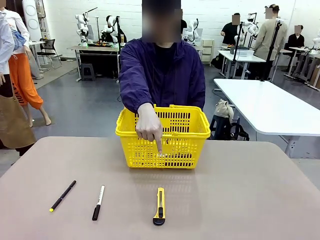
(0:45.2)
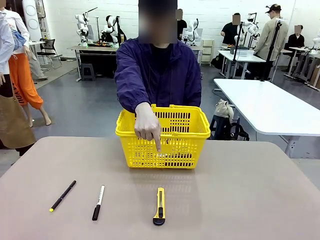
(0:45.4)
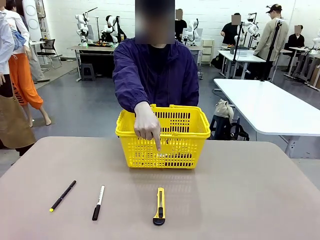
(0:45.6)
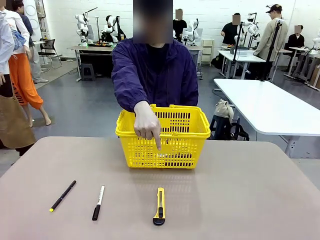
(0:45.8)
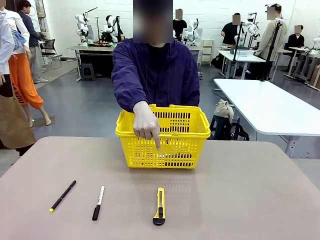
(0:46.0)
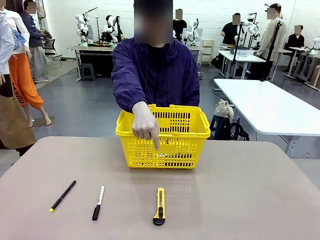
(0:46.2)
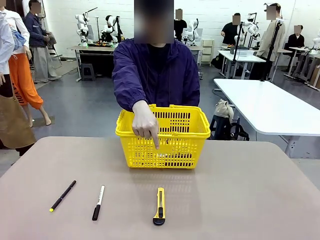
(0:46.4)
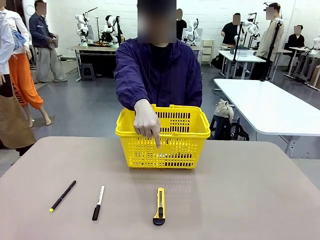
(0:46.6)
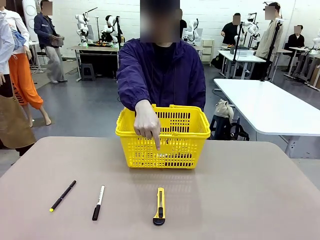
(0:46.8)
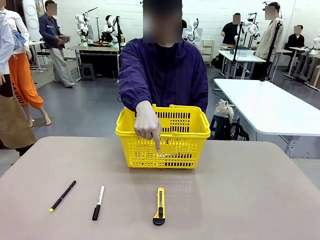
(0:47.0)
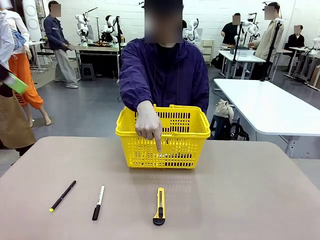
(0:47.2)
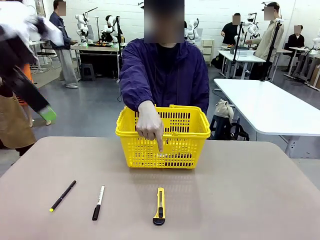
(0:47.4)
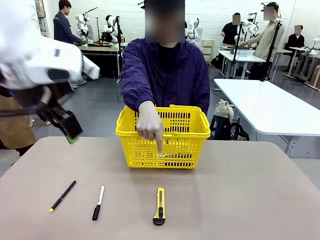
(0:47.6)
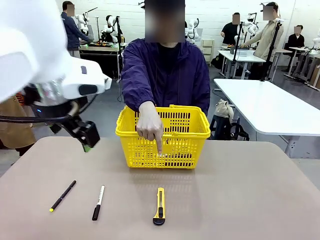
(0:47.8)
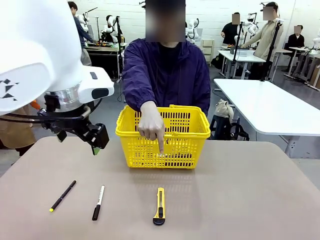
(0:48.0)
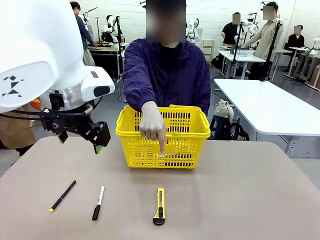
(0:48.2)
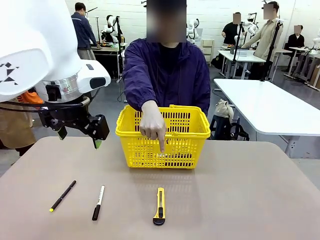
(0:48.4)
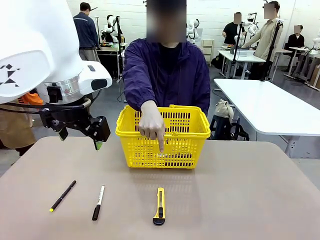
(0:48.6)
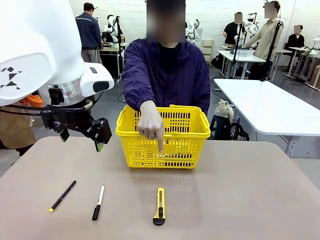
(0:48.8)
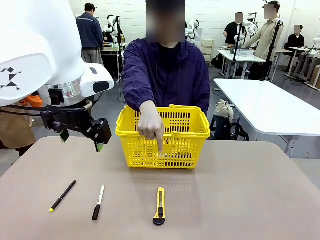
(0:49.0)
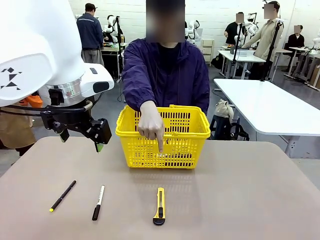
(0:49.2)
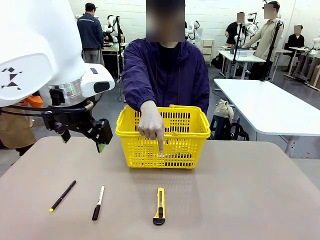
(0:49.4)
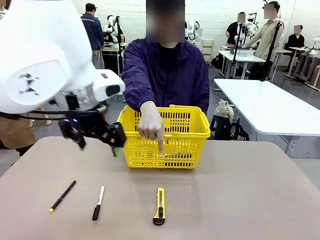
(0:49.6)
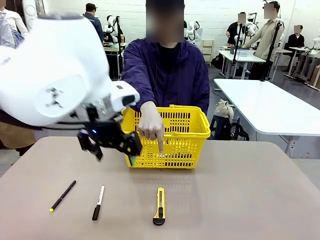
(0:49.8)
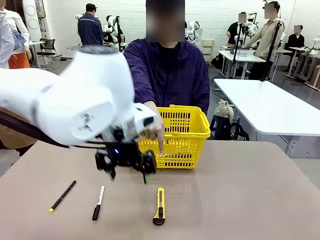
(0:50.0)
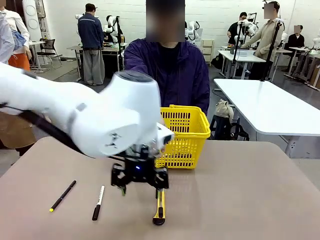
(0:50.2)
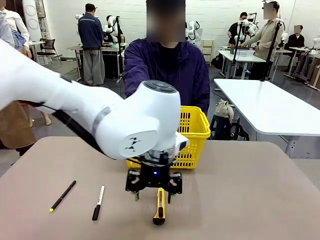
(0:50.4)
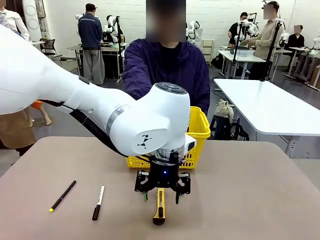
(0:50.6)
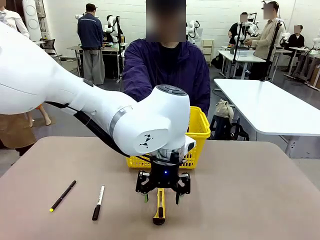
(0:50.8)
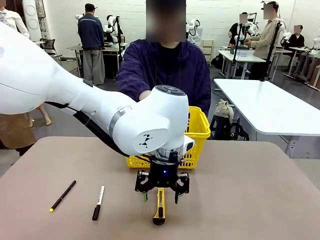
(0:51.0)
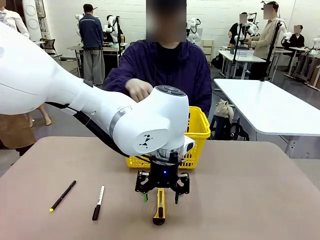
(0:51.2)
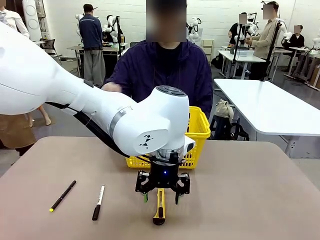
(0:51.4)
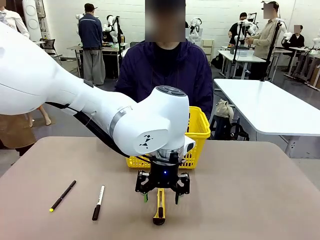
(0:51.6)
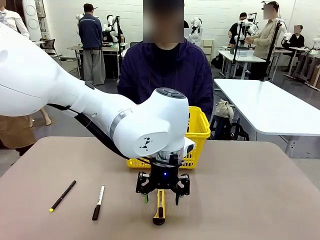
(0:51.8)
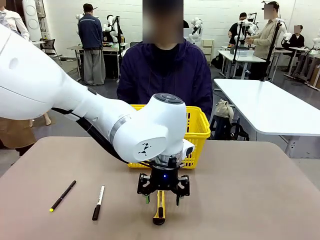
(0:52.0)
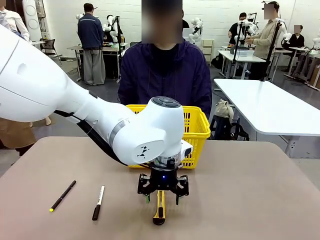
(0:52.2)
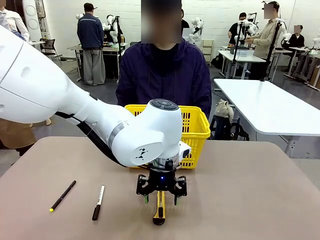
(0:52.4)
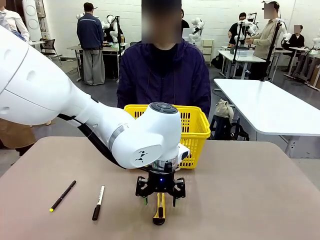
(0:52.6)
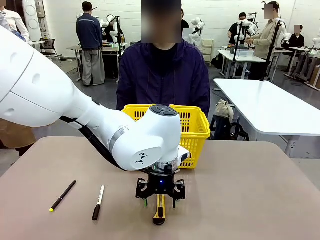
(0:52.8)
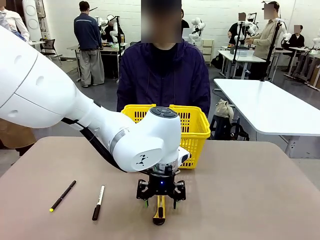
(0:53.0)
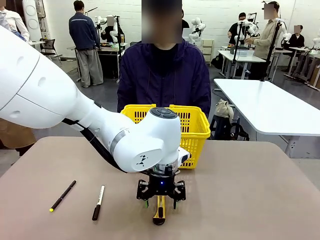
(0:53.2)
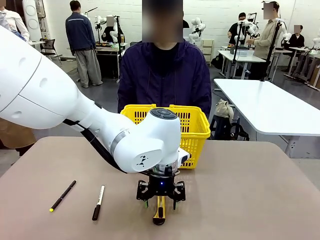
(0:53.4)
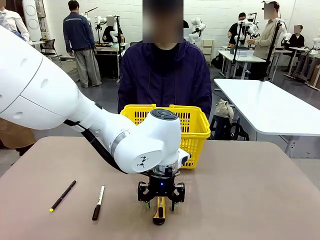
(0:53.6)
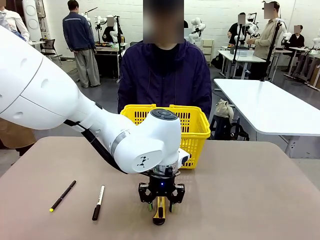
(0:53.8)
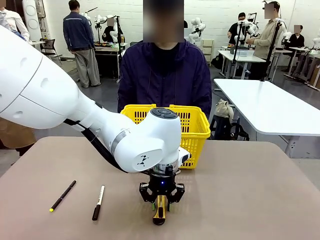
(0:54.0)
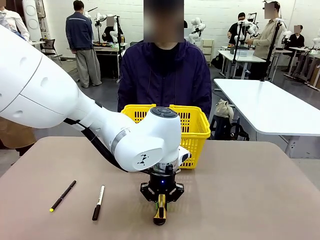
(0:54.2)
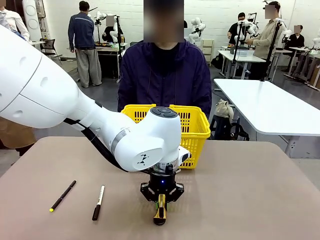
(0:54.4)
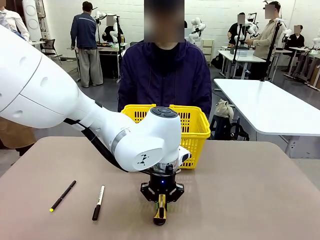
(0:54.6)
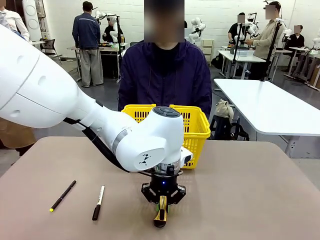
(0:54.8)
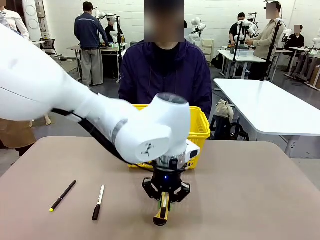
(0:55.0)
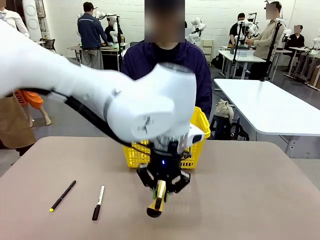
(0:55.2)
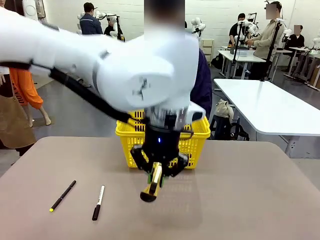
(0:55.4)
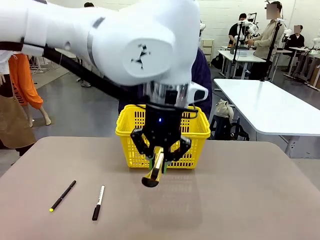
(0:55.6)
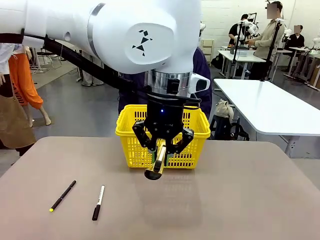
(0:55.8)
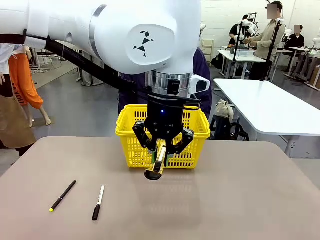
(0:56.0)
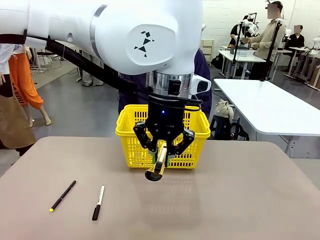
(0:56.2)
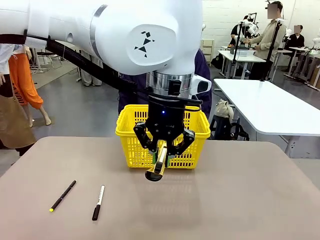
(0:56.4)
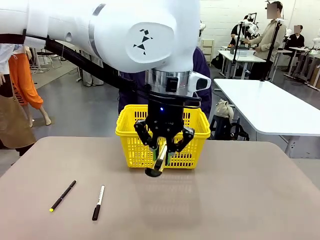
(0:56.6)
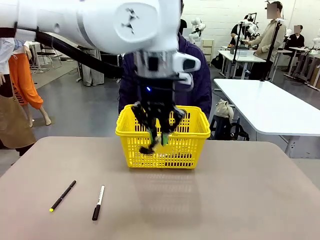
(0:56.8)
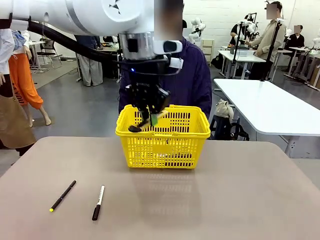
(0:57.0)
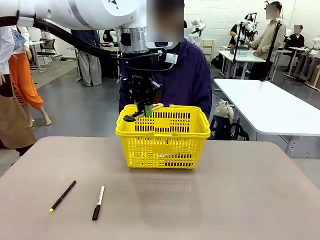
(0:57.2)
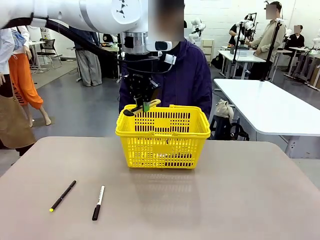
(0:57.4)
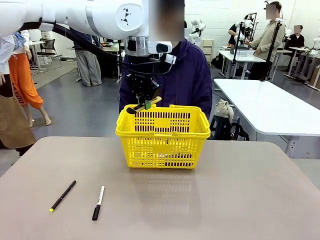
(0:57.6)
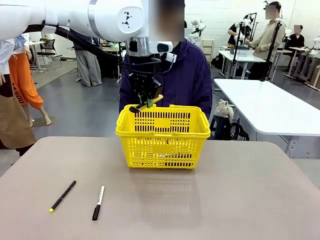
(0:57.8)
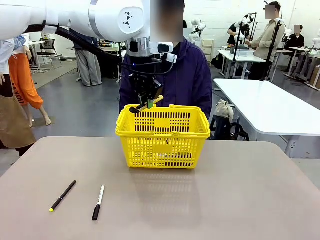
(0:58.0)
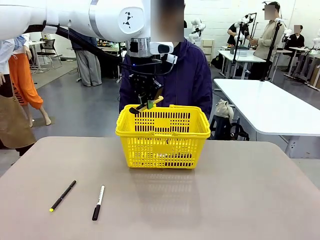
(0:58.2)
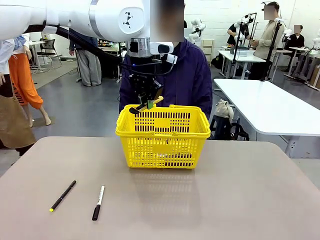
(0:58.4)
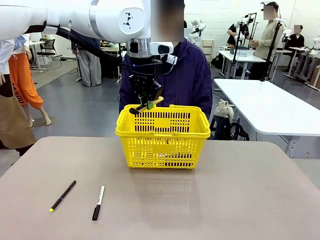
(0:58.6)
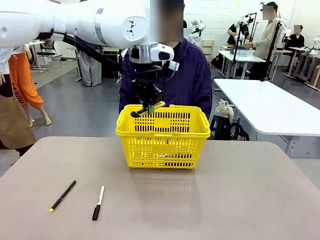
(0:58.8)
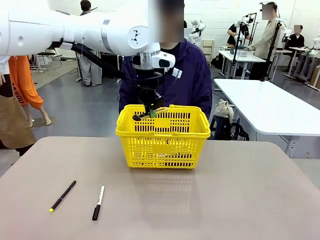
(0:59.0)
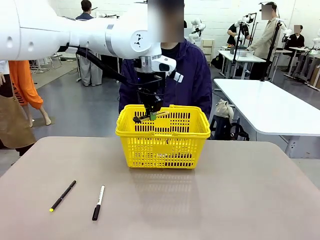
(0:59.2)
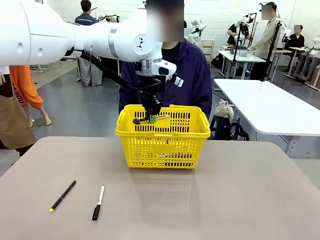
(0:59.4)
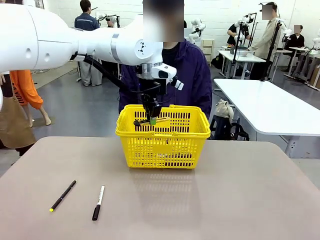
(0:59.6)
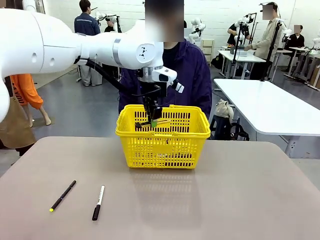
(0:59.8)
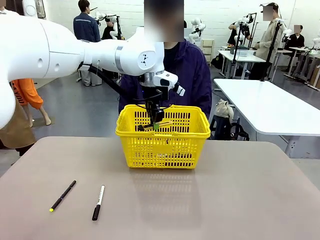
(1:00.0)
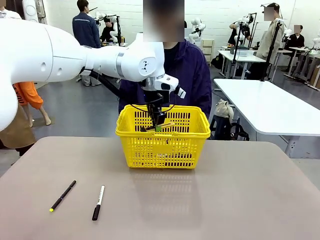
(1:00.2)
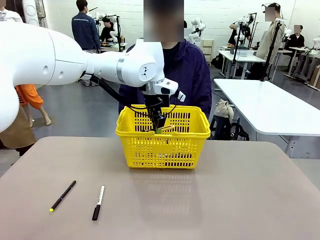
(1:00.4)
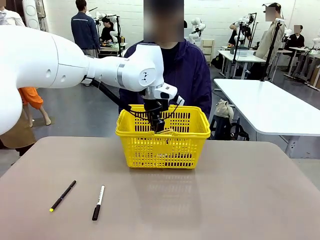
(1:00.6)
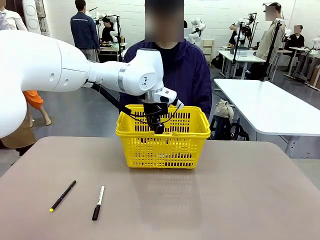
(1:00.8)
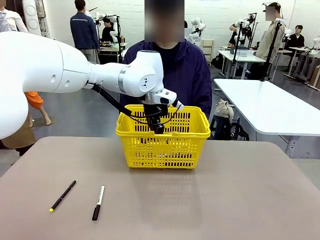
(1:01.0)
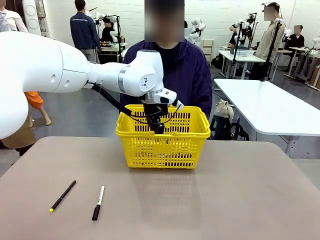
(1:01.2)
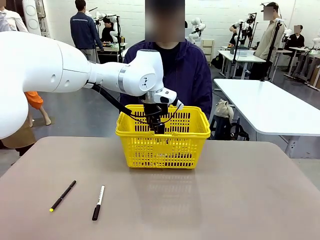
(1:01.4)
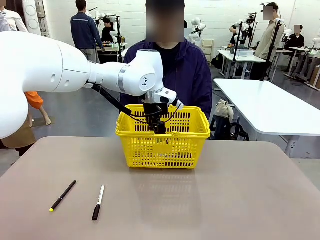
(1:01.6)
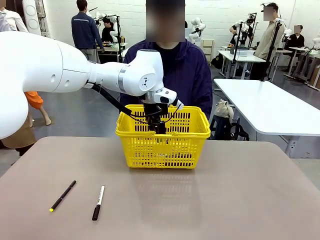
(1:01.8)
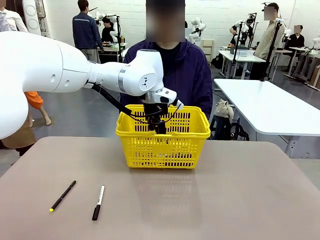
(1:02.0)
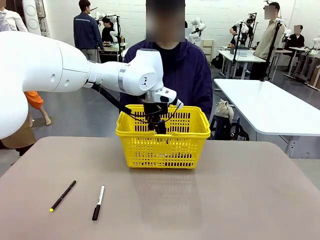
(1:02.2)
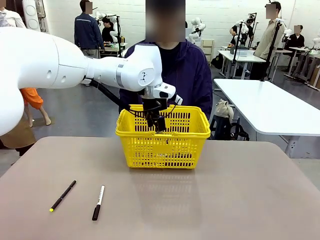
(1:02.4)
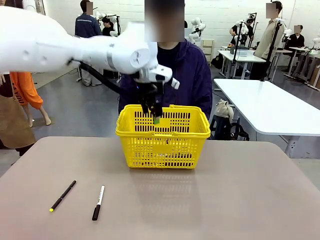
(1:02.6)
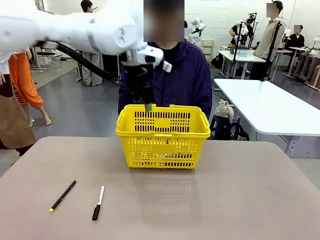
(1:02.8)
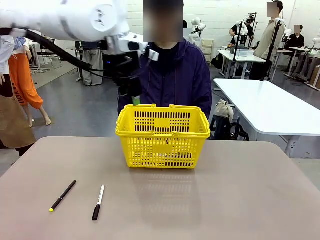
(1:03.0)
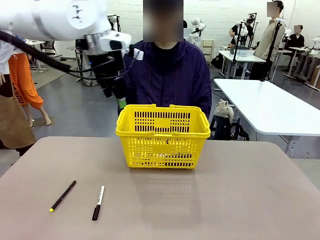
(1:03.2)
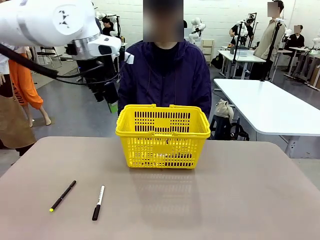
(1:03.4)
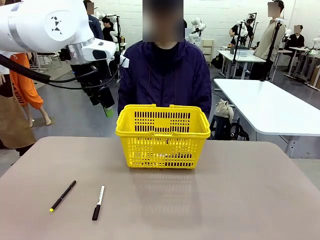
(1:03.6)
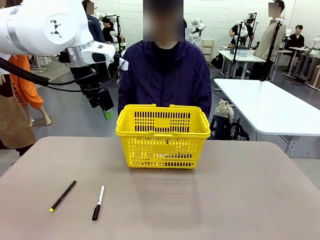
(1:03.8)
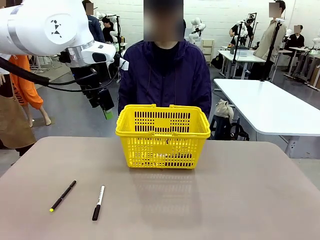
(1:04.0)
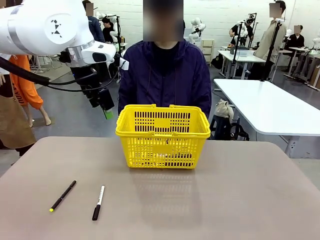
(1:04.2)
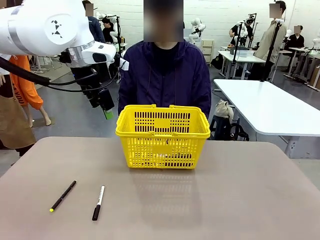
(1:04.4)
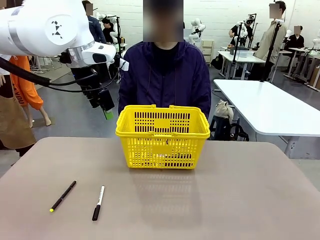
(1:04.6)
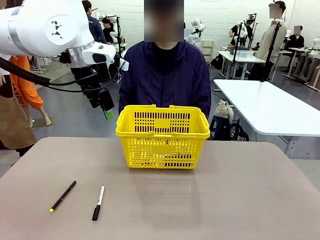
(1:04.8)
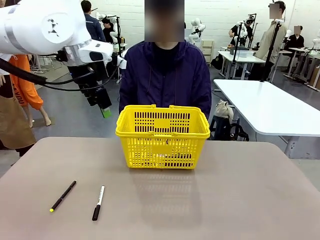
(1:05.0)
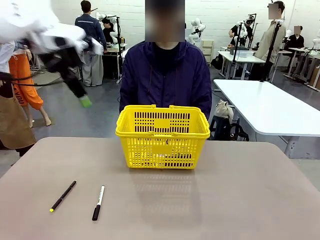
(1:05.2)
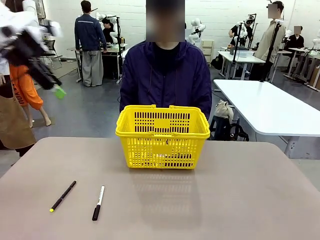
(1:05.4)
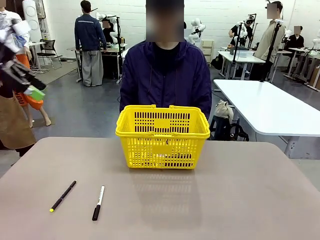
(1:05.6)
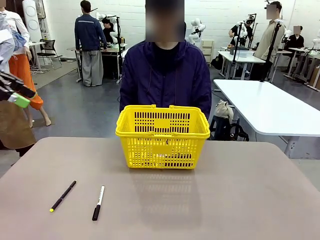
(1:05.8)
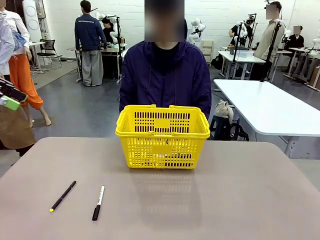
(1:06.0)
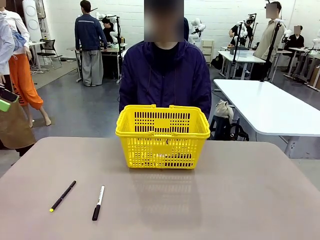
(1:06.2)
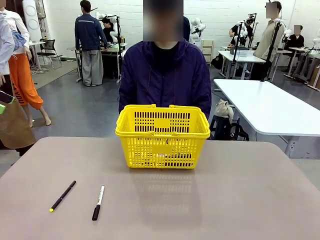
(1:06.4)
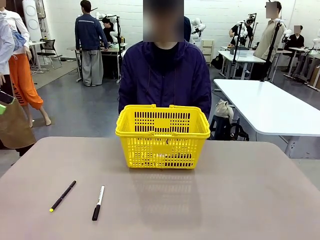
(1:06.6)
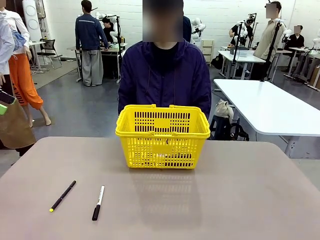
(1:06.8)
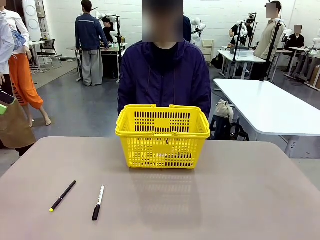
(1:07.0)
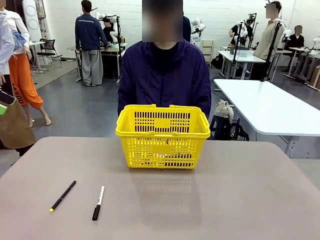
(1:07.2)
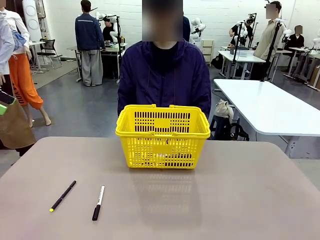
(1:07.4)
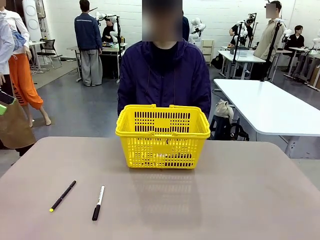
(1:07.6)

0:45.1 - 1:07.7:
Task: Place the items the person wants into the basket.
Robot: Pick up the item the person points to and place it in the Market Basket.
